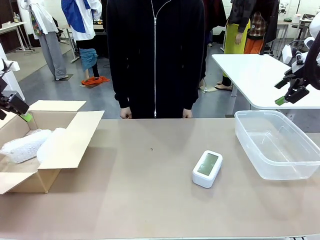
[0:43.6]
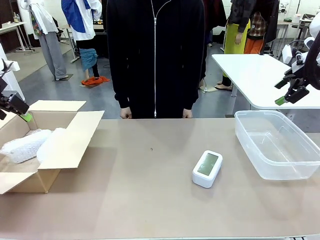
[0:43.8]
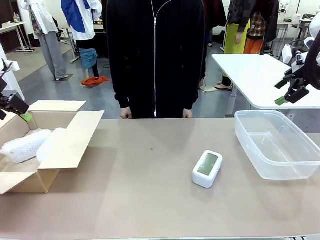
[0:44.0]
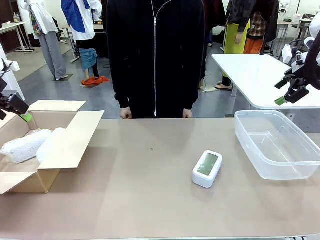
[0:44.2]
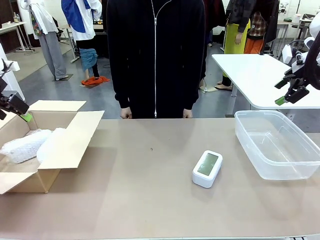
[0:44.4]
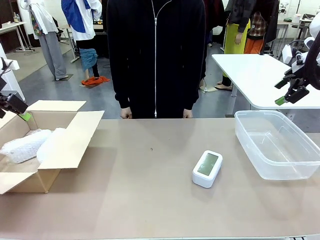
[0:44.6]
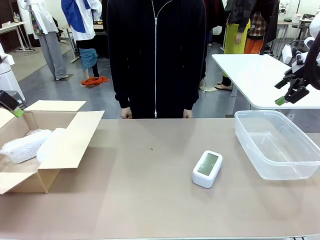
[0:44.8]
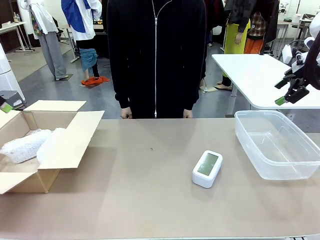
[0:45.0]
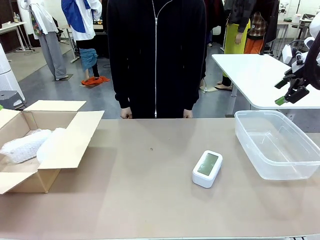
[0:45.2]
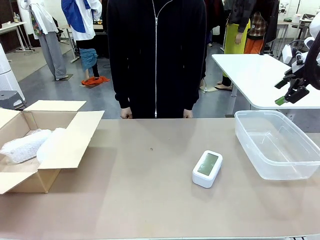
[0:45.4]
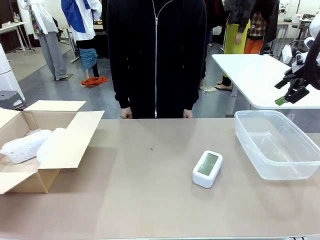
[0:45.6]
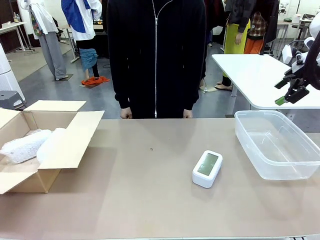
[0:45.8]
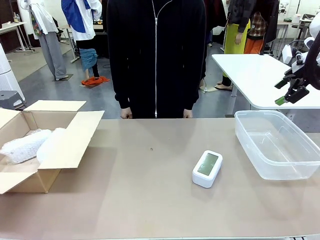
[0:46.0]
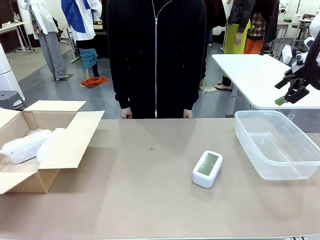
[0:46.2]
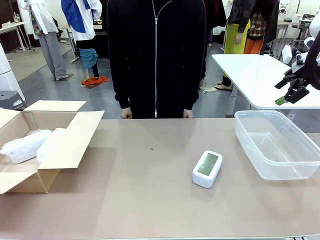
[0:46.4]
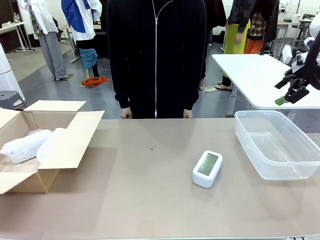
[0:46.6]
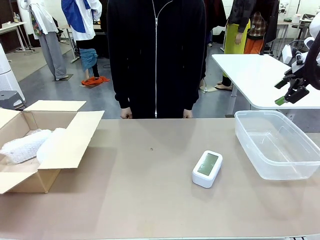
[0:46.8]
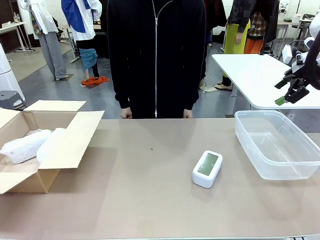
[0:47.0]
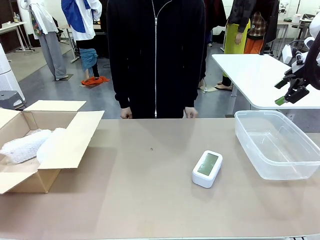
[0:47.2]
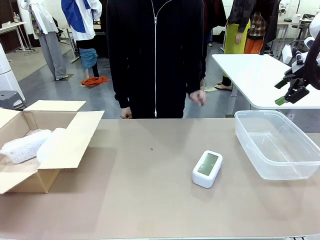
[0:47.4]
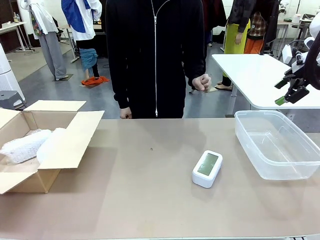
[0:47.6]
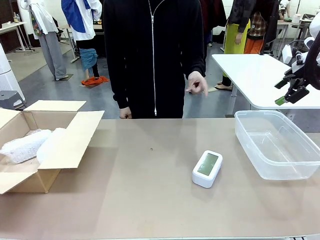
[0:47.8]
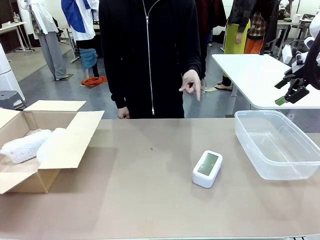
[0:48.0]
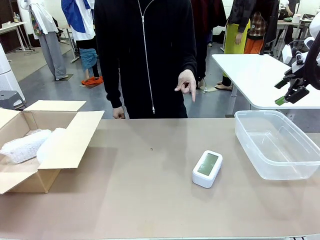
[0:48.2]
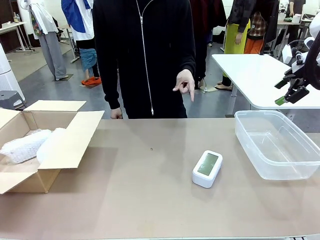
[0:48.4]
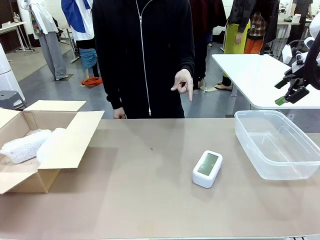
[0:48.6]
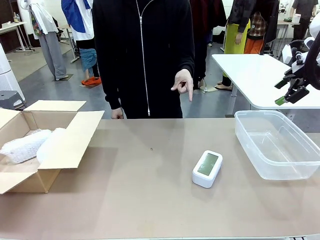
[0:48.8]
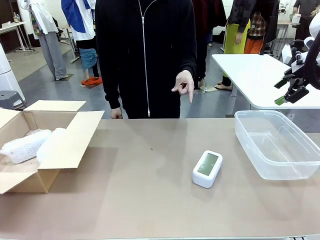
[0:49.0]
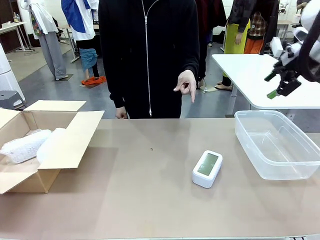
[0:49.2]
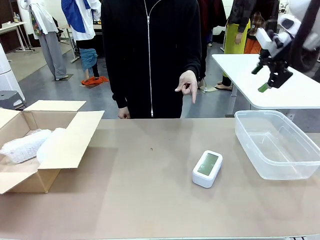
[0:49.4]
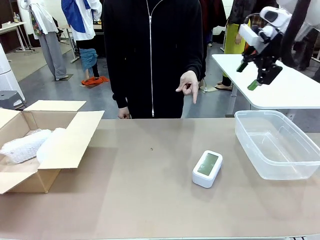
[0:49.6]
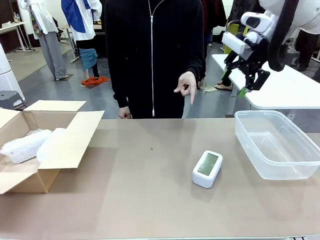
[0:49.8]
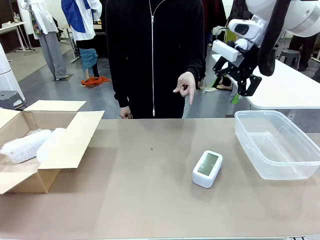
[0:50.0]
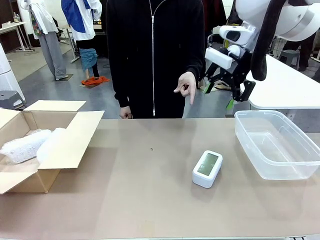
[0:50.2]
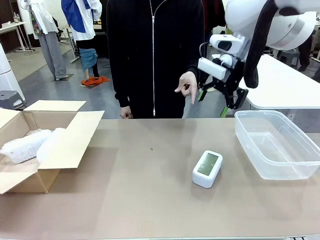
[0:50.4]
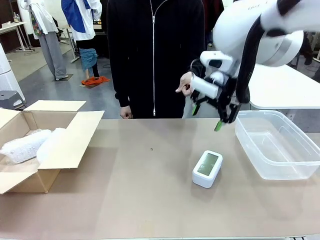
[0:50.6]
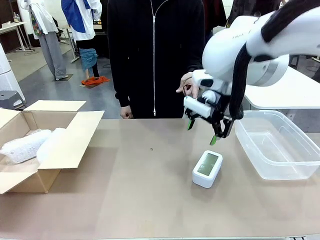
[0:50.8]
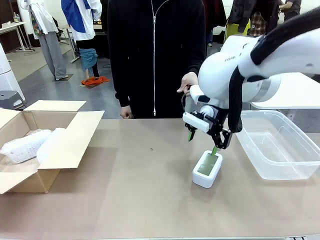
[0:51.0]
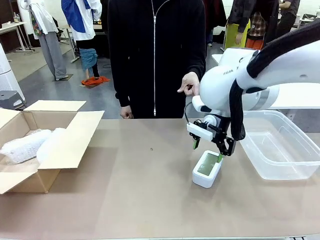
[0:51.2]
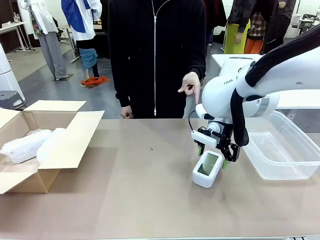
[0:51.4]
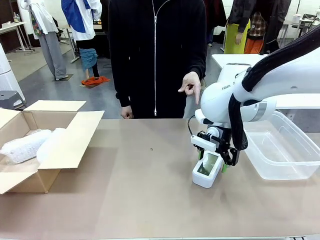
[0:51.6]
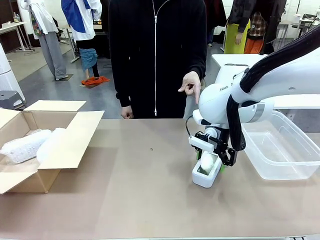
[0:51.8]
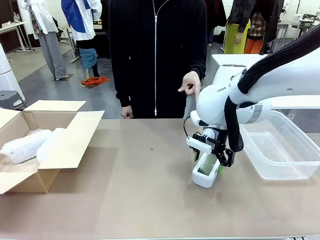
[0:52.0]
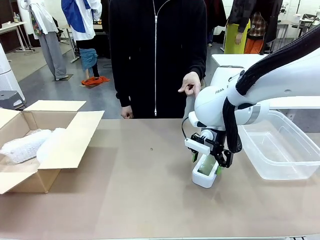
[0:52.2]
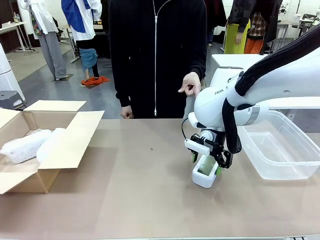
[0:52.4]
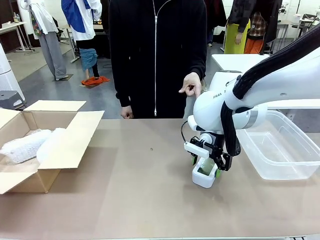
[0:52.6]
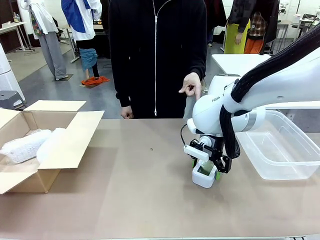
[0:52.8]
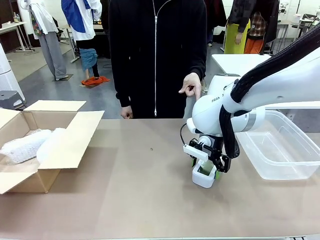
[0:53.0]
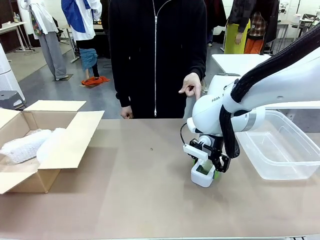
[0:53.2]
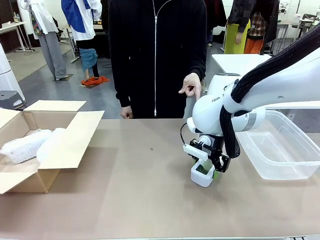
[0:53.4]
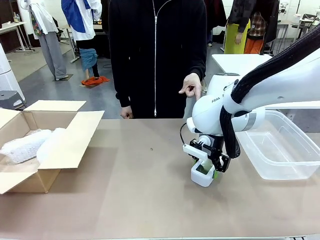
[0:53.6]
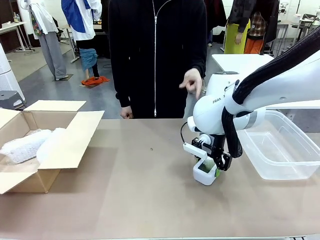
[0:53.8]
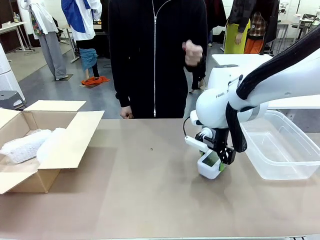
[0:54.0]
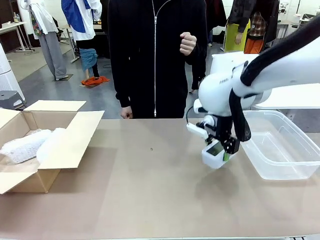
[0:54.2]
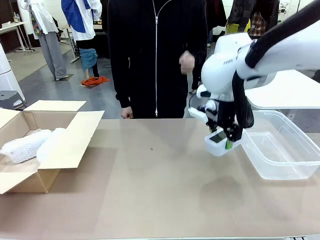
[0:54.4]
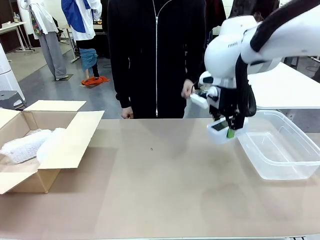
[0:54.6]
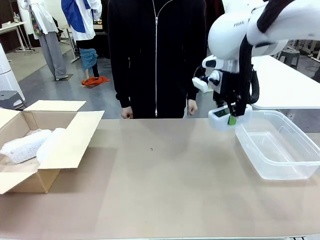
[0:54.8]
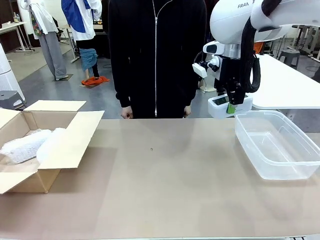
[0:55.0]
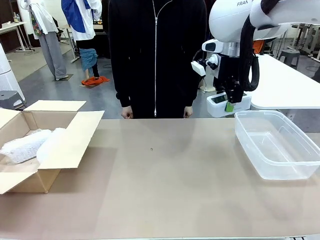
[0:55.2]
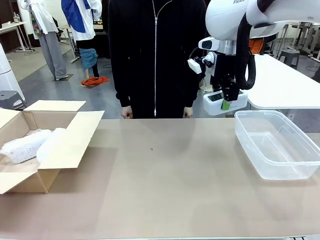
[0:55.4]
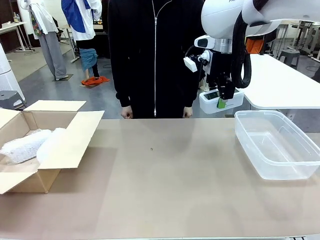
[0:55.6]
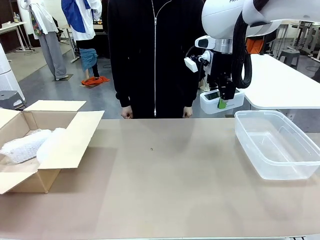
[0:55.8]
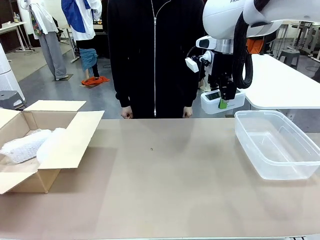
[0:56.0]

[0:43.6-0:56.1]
Task: Separate and place wrapped and unwrapped clocks.
Robot: Pick up the Digital clock indicated by the person.

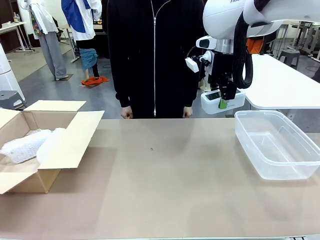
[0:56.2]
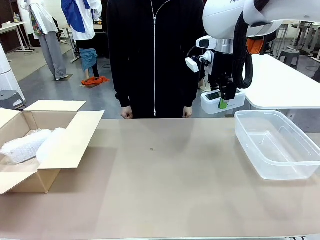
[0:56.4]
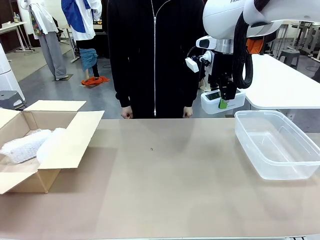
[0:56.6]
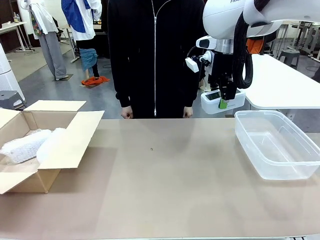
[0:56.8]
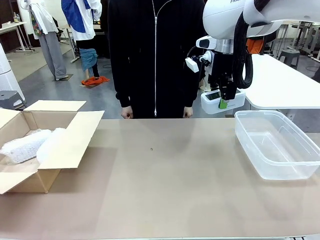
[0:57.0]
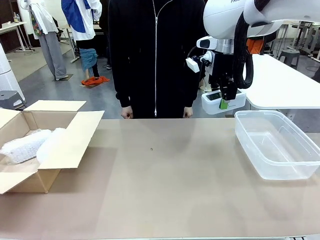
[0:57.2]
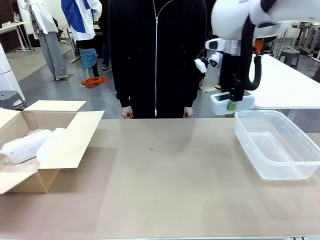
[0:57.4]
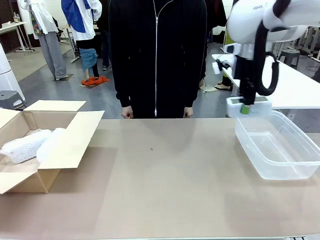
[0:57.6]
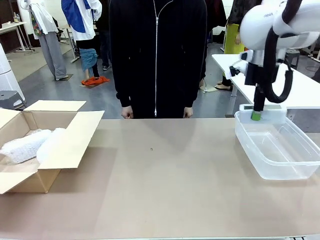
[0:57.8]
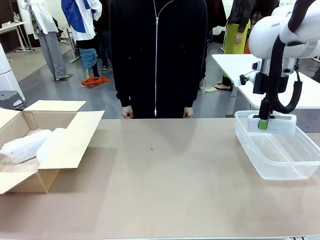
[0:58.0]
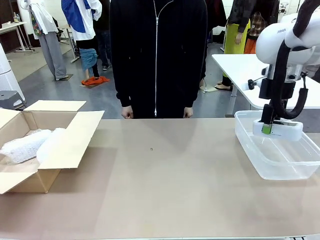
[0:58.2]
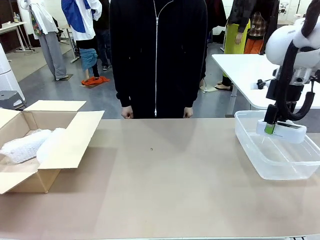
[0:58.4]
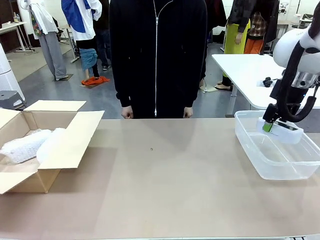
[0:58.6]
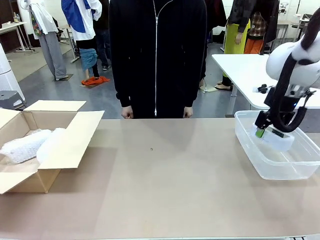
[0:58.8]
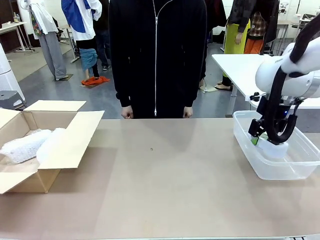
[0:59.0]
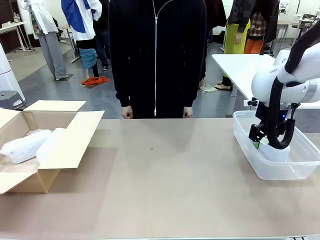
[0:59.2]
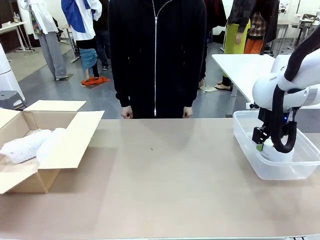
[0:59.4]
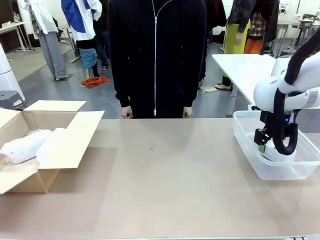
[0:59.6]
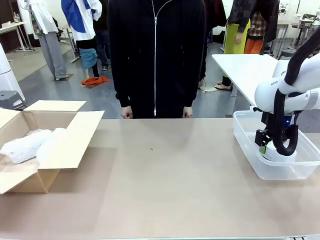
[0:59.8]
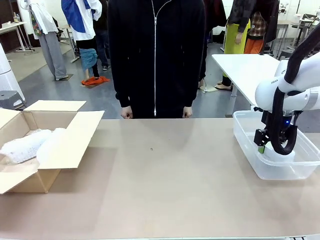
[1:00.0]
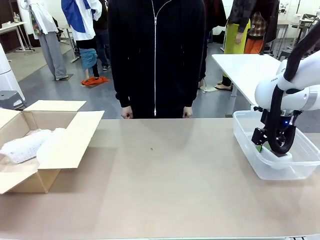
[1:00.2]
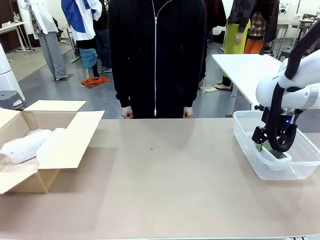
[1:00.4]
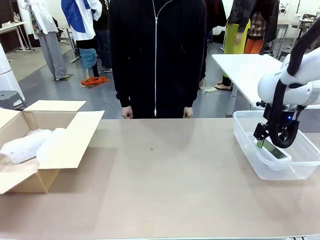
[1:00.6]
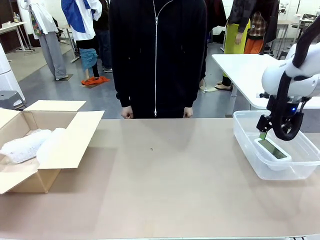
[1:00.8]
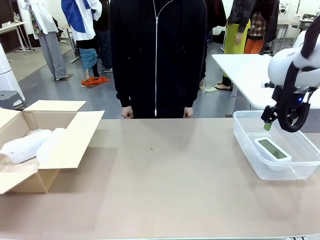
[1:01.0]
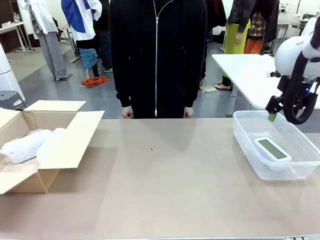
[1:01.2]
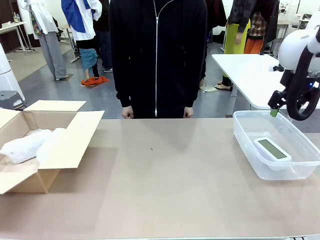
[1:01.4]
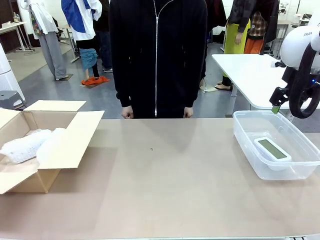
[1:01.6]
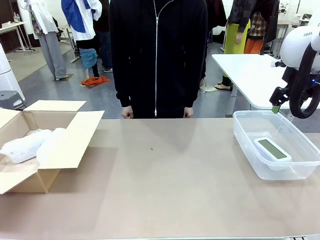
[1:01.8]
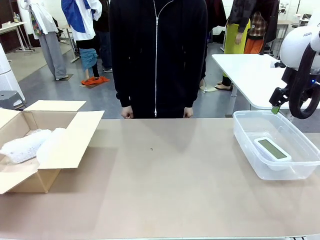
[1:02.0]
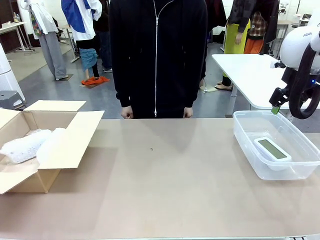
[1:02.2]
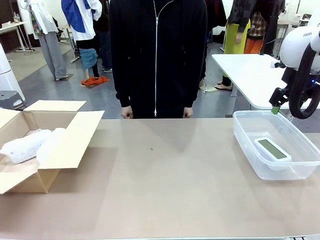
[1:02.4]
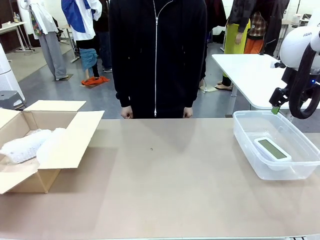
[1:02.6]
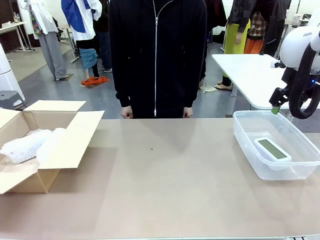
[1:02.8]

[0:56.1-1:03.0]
Robot: If the picked Digital clock is wrapped, place it in the Package Box ; if not, place it in the Organizing box.
